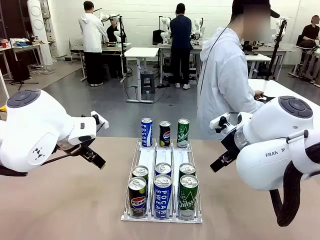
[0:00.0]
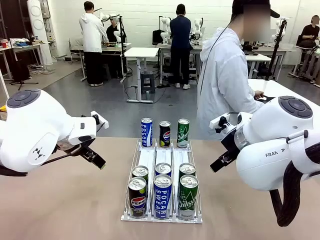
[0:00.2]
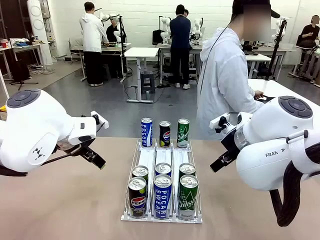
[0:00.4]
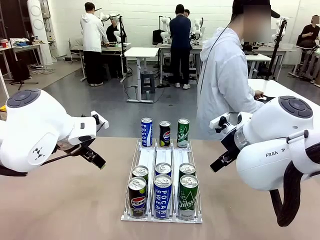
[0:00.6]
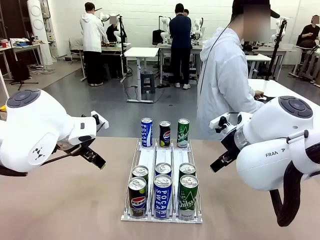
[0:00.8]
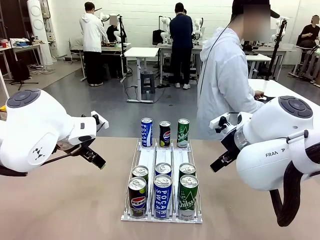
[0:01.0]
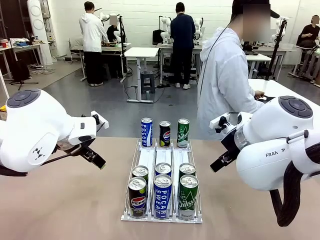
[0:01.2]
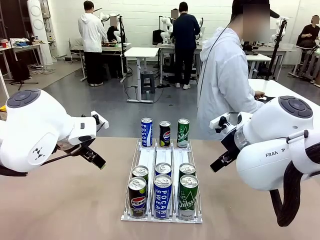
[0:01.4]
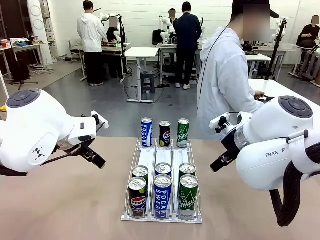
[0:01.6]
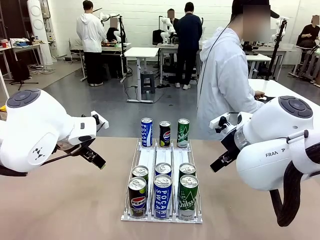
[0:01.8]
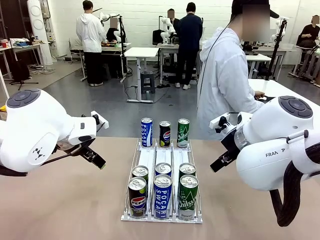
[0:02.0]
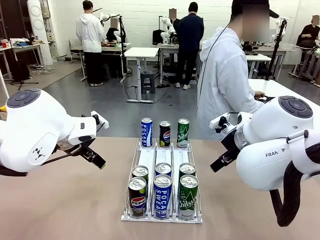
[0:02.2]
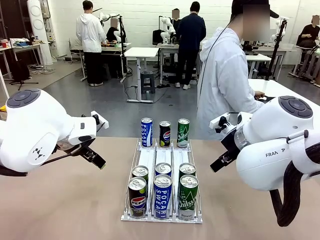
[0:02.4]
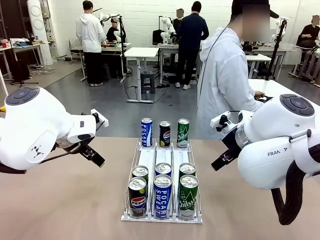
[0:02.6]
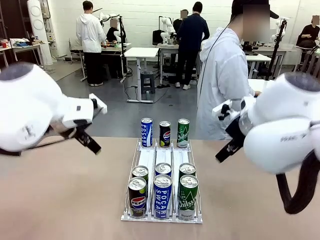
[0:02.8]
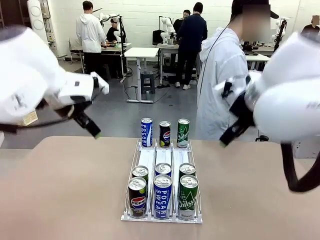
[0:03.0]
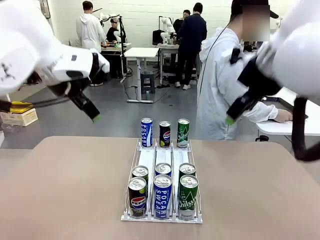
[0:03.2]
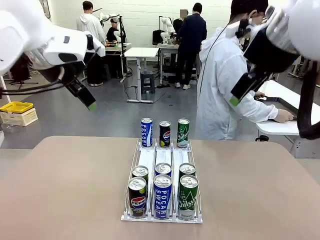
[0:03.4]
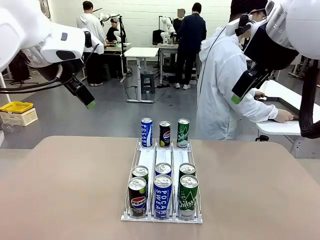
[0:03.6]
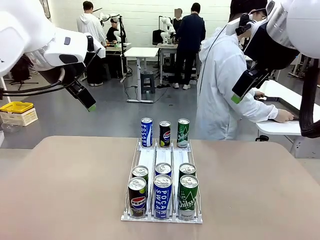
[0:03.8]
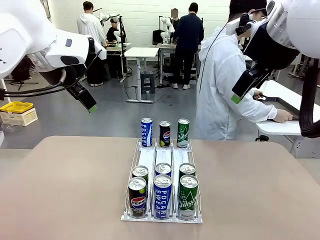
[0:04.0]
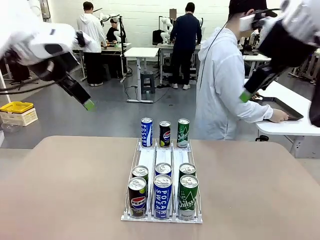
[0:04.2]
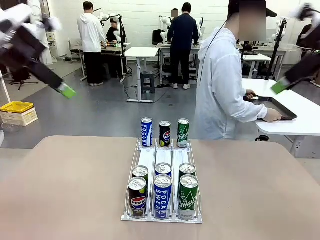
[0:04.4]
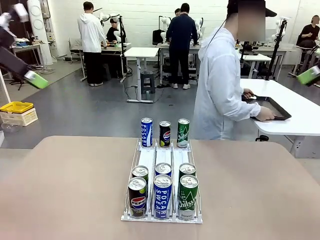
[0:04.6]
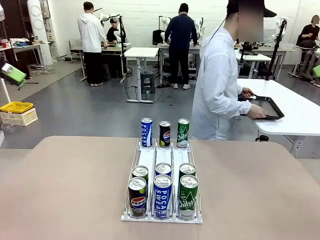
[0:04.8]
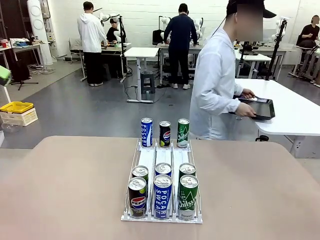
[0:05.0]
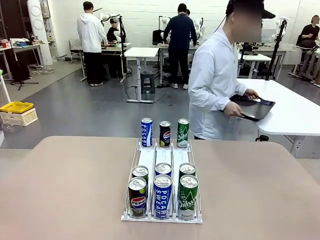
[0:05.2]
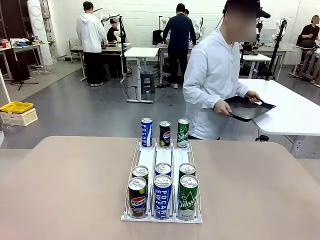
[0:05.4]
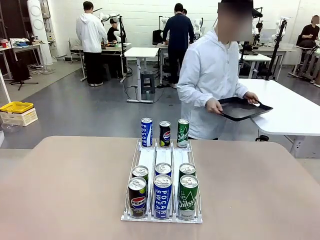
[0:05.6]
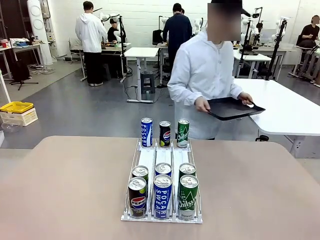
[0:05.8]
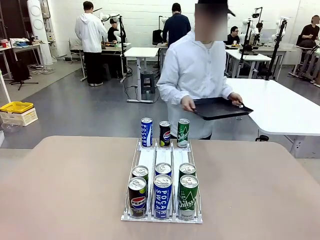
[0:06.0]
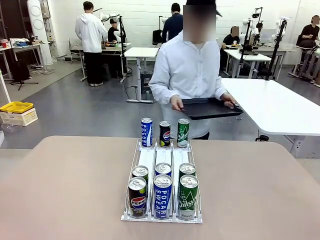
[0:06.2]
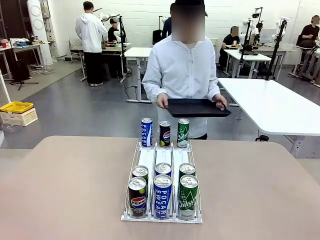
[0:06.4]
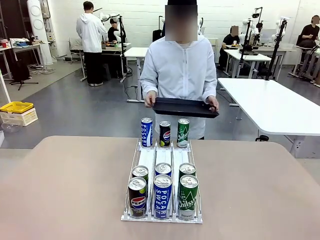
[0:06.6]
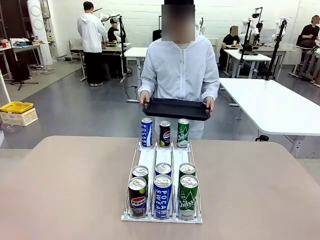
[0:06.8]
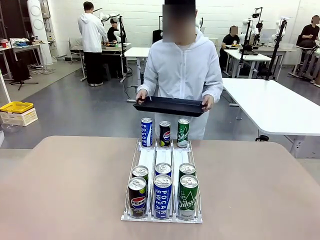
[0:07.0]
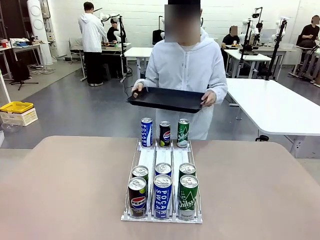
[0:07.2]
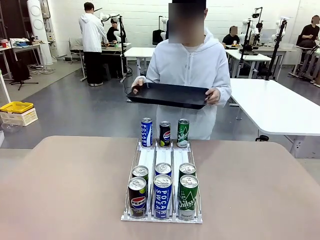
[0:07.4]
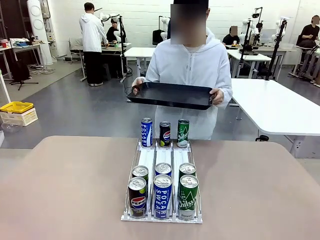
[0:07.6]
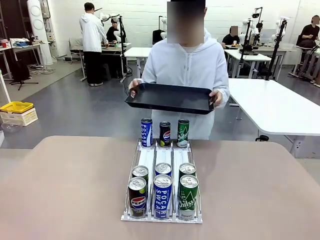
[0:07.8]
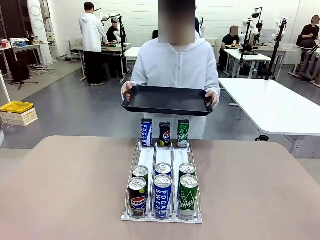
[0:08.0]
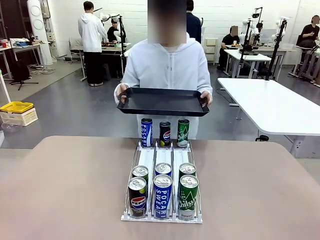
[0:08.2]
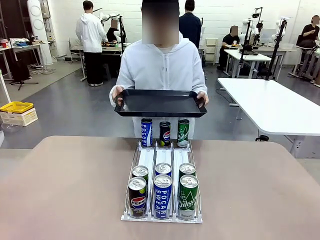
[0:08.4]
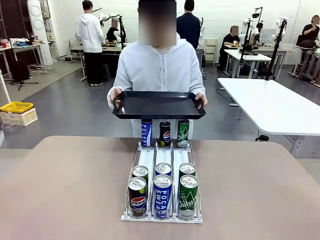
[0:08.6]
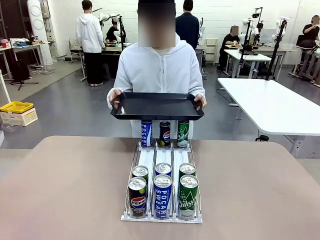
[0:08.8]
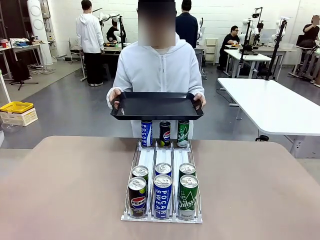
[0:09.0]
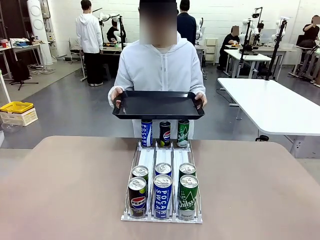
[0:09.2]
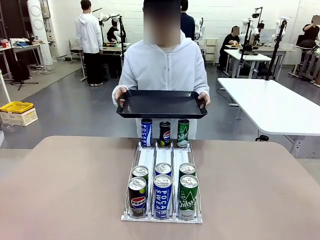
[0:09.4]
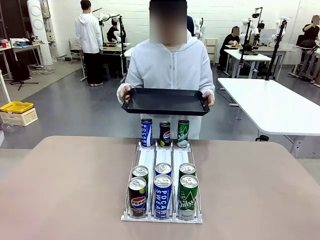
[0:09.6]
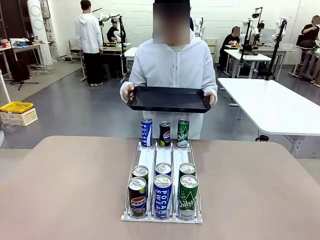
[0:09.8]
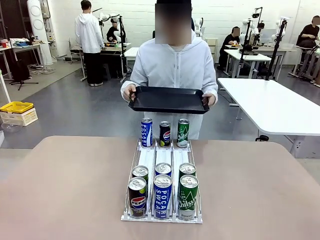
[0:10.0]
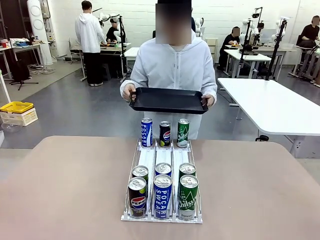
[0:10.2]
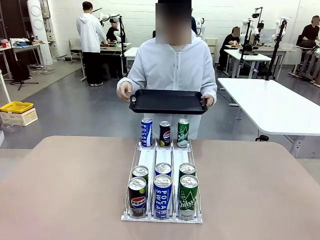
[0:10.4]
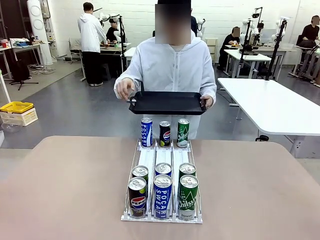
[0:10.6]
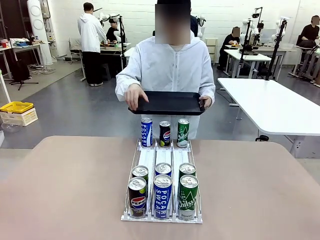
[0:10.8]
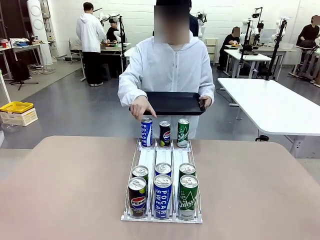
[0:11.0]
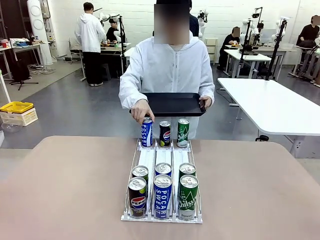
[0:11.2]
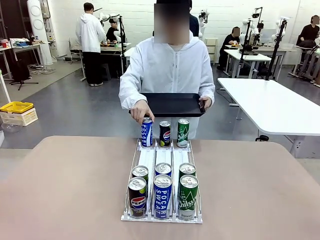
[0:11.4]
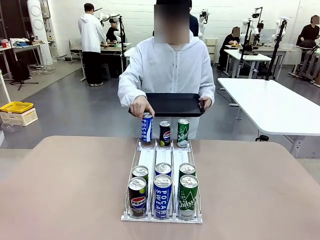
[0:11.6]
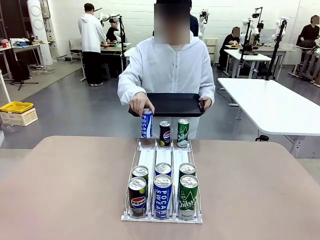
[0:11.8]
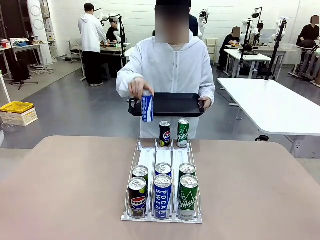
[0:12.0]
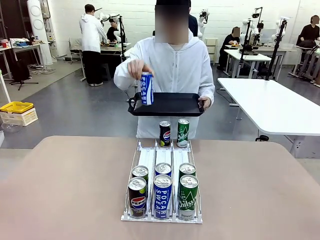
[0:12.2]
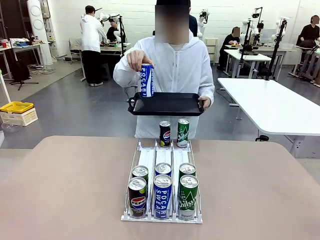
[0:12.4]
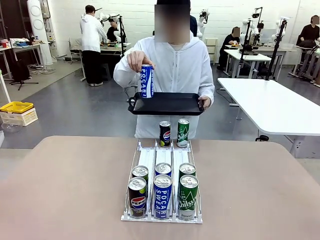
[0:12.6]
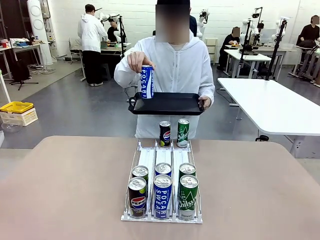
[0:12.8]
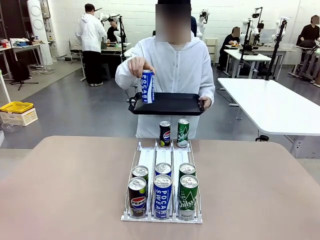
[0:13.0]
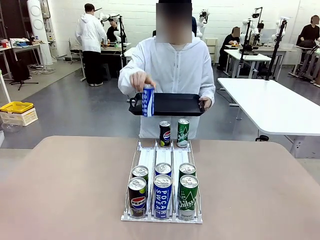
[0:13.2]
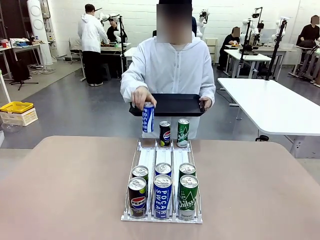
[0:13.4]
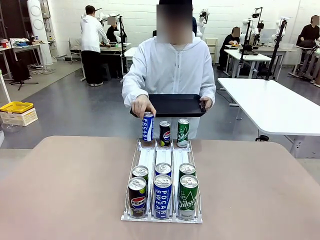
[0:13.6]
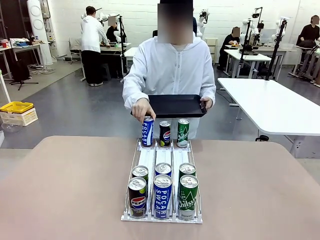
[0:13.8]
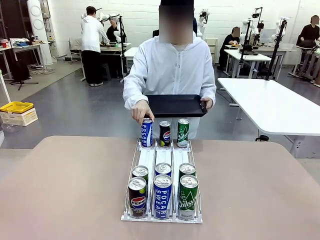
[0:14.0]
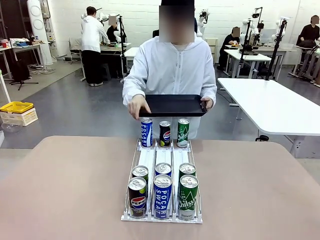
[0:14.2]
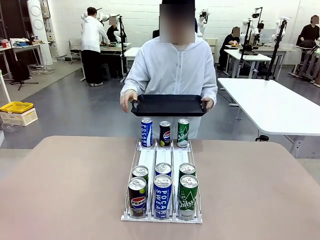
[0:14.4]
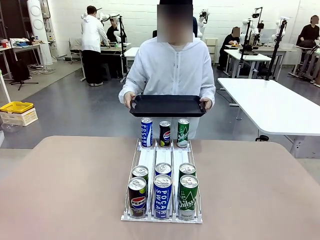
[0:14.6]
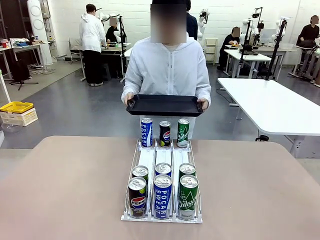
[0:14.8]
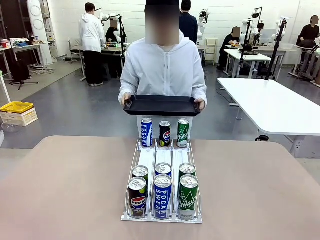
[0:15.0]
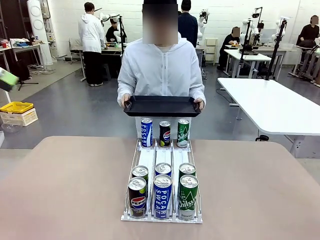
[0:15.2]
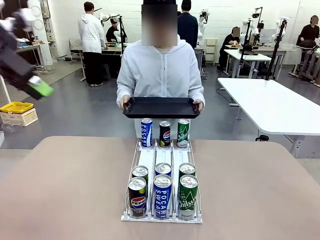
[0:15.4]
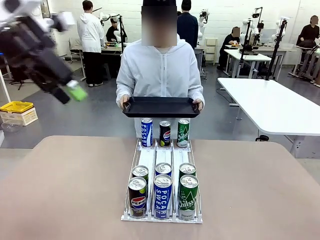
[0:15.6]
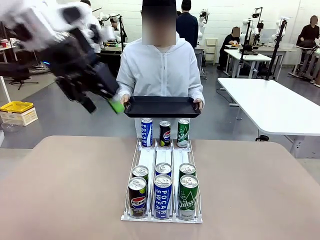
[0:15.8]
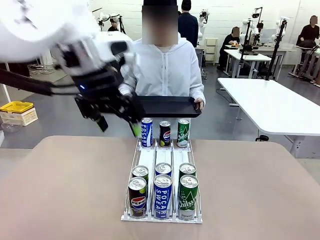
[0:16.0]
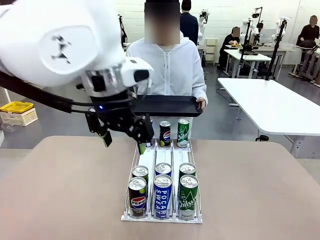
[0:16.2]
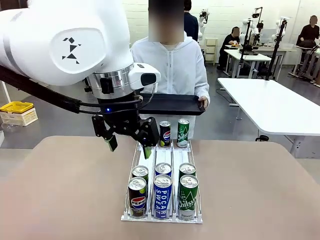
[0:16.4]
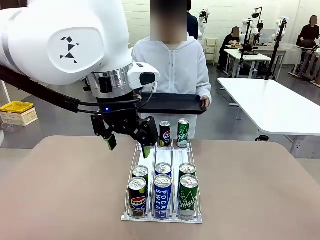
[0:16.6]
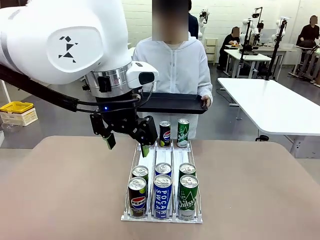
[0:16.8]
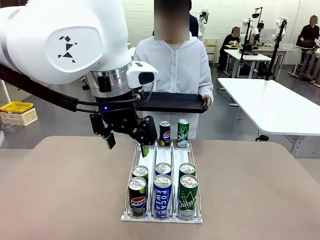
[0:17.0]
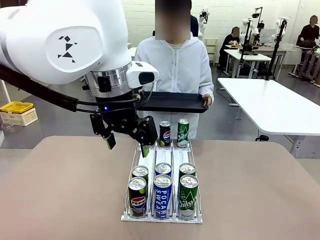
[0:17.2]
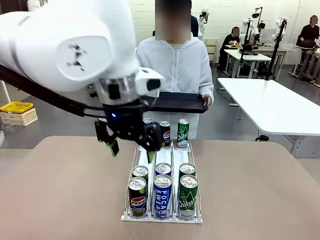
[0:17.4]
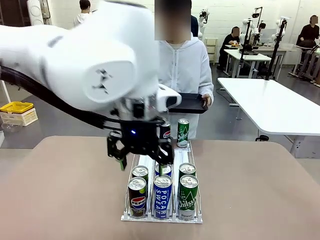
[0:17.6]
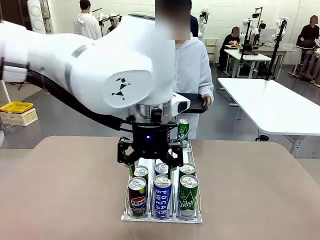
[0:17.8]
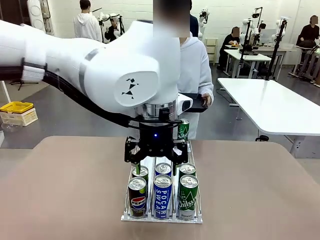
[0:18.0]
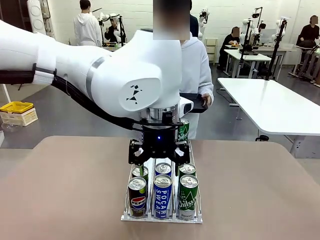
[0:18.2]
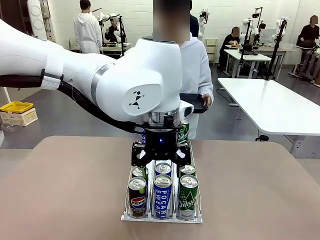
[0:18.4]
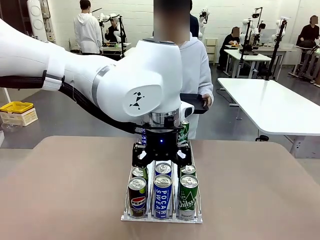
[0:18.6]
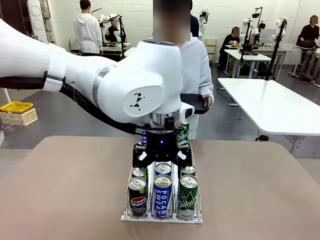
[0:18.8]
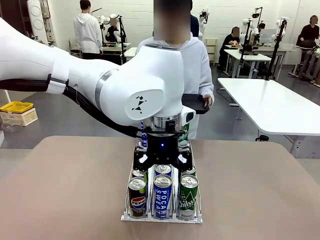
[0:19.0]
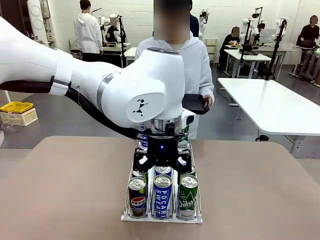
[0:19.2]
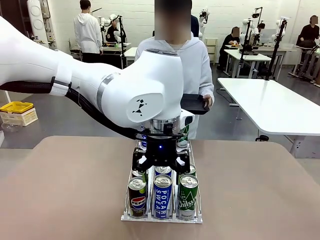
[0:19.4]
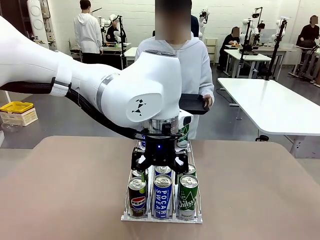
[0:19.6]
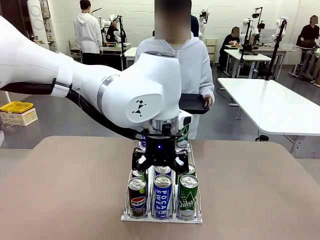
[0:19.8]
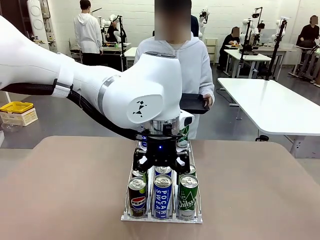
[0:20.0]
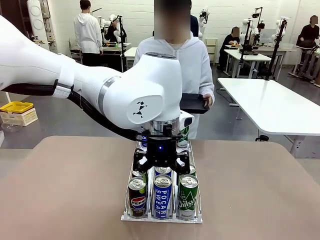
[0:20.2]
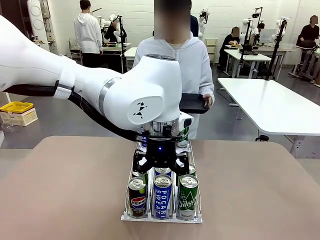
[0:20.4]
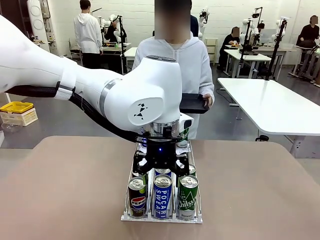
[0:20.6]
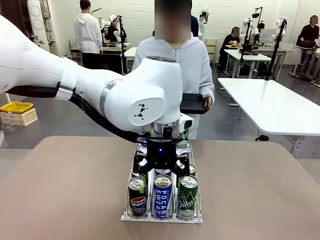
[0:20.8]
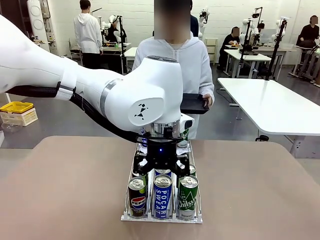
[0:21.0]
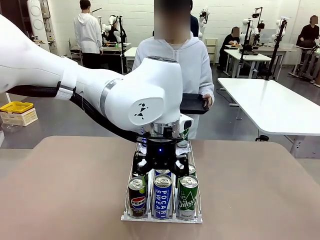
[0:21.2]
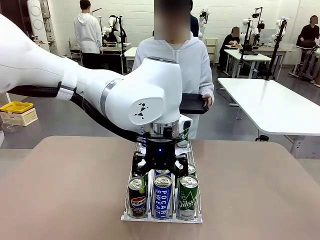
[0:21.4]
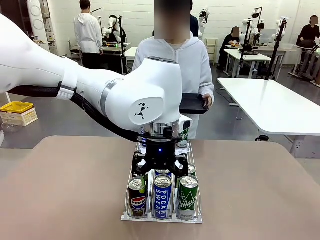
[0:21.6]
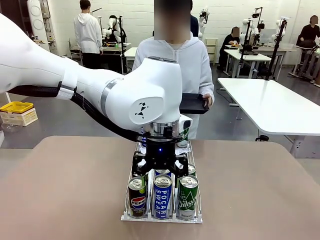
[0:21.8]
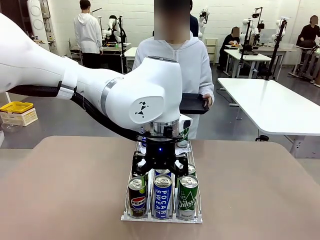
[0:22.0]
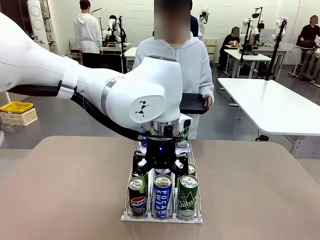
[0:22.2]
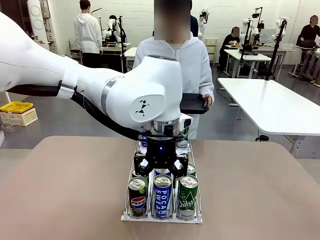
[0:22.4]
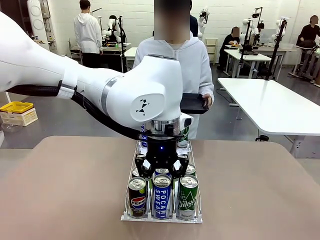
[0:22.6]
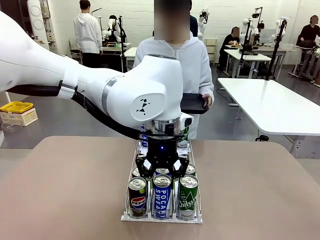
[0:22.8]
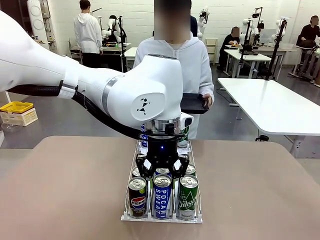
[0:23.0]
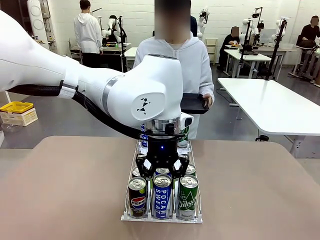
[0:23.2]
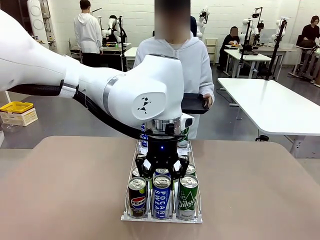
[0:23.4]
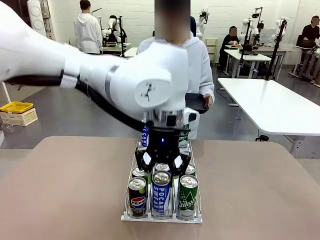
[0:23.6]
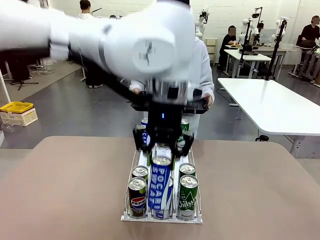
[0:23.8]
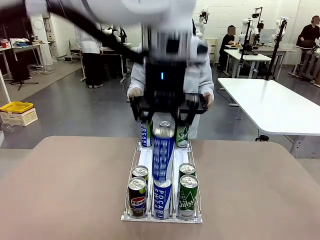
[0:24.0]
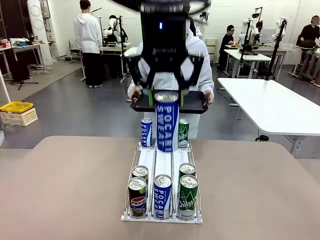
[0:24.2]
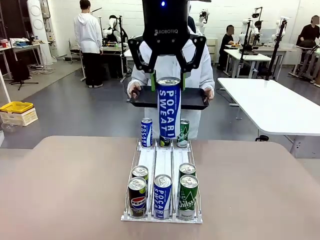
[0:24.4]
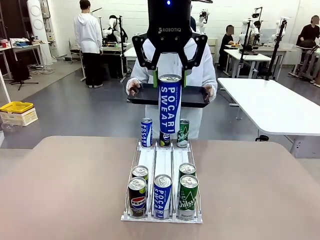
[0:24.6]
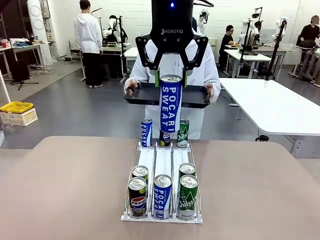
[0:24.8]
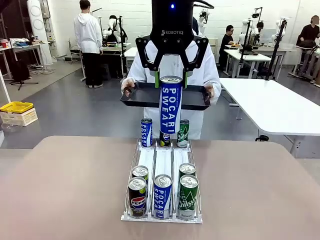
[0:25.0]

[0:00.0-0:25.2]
Task: Retrieve and hand over the desired beverage to the person.
Robot: Pick up a can of the same type that the person held from the Automatic Can Dispenser.
Person: Hold the tray and position yourself in front of the robot table. Pick up one can from the bottom area of the table and puts it back in its original place. Push the tray toward the robot.
